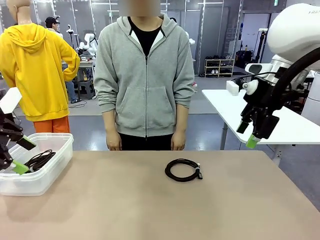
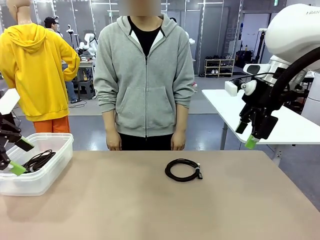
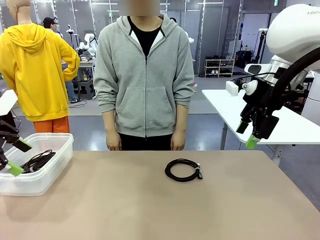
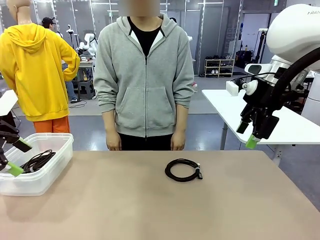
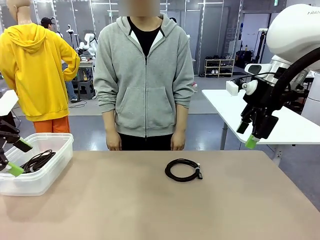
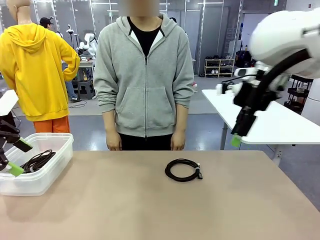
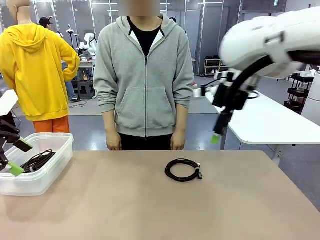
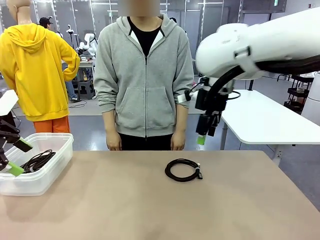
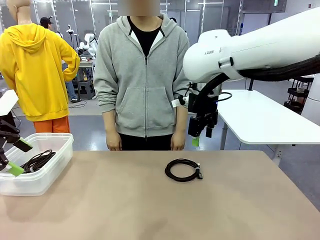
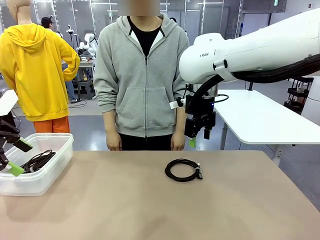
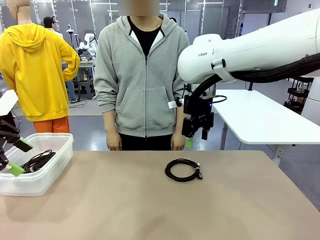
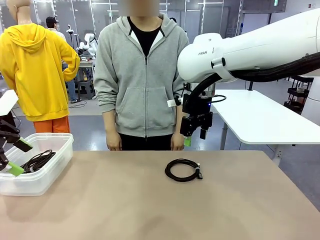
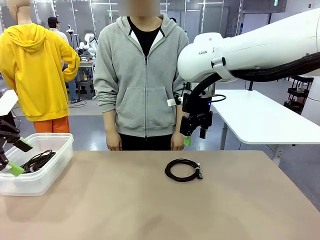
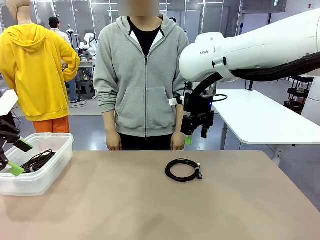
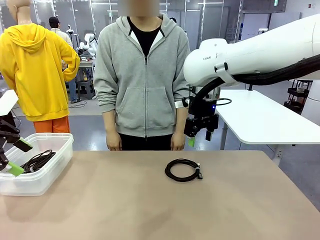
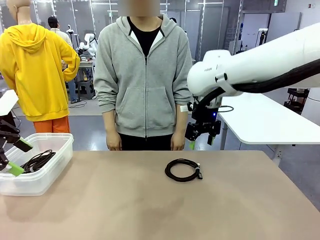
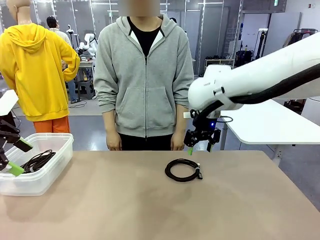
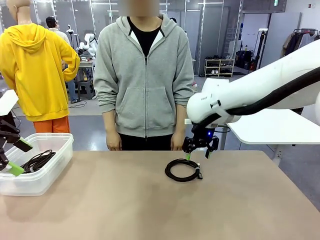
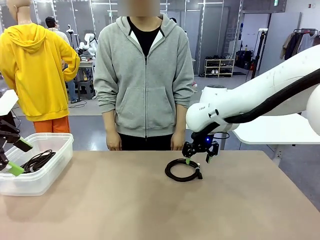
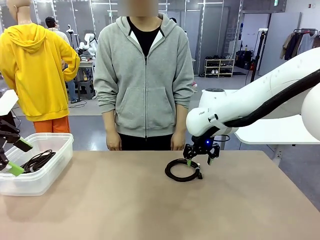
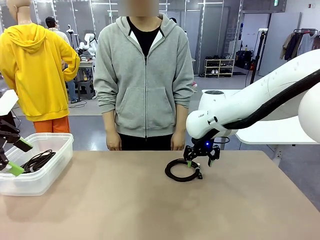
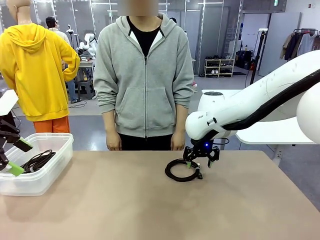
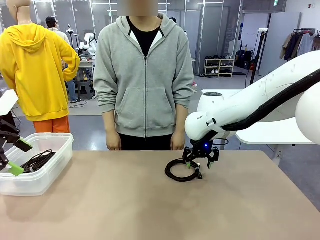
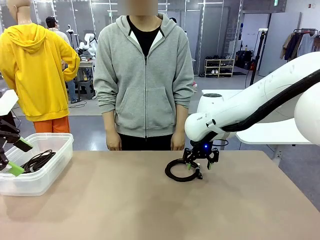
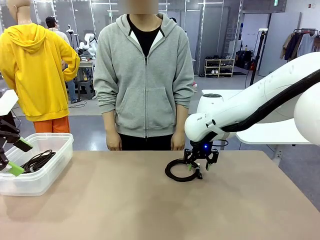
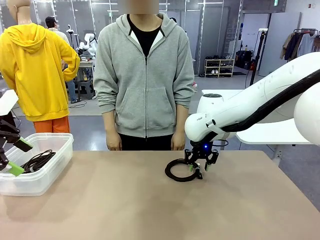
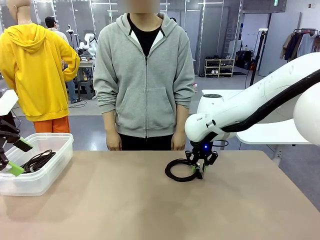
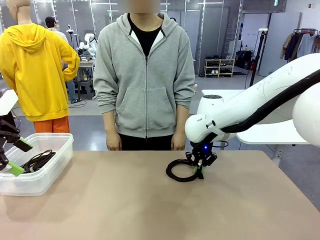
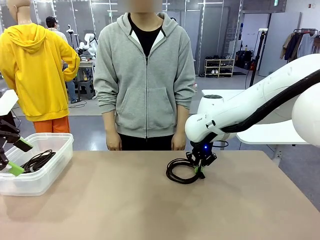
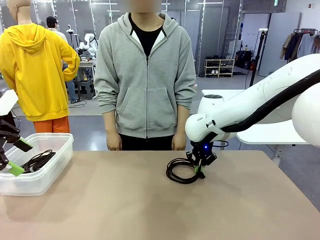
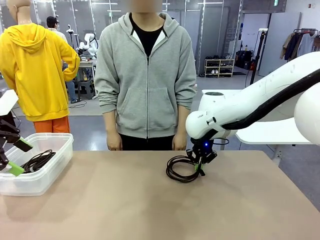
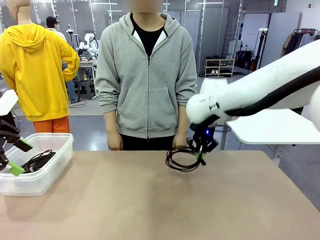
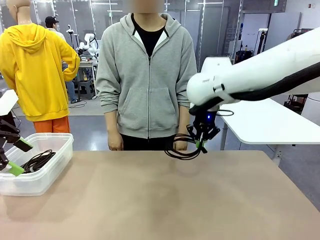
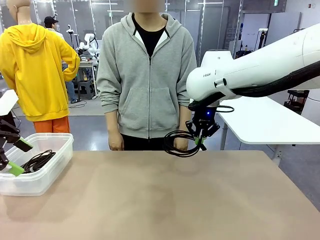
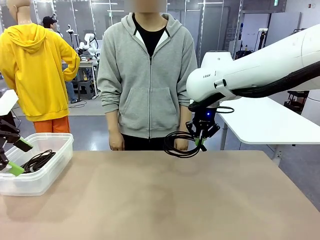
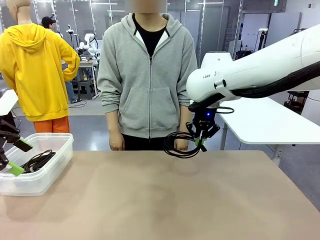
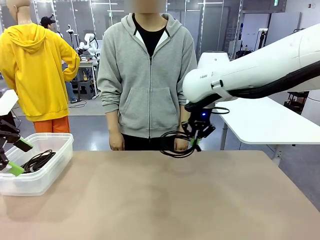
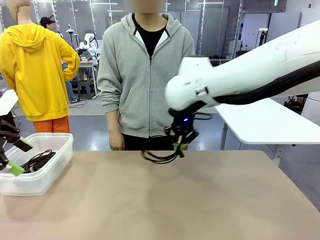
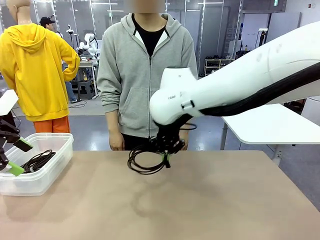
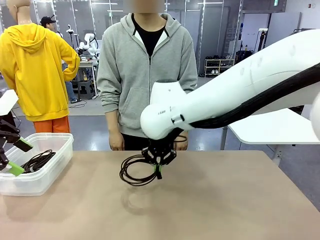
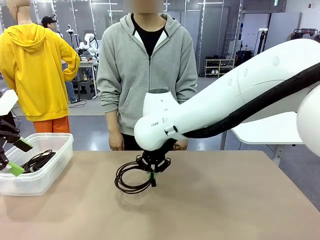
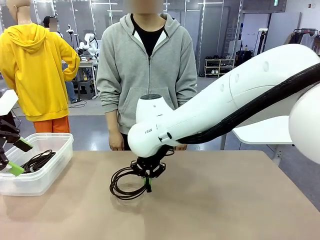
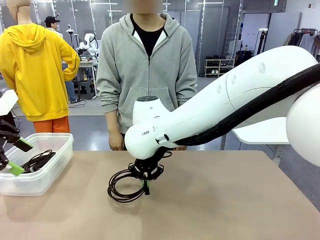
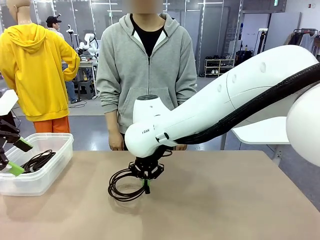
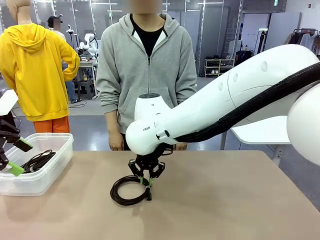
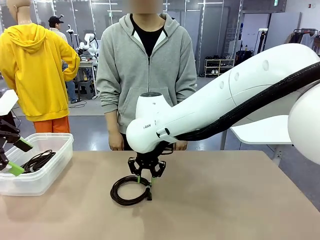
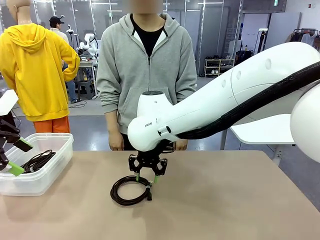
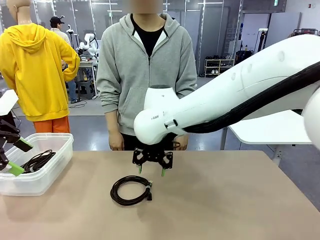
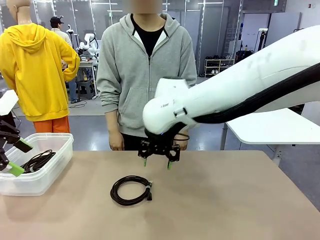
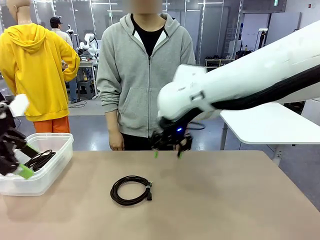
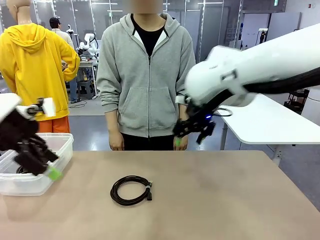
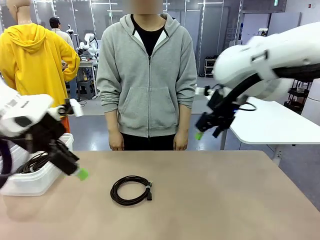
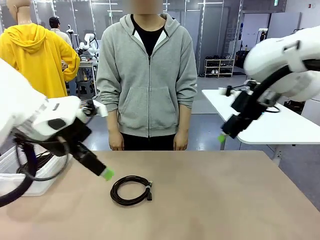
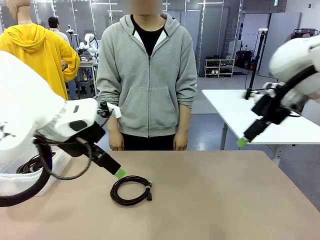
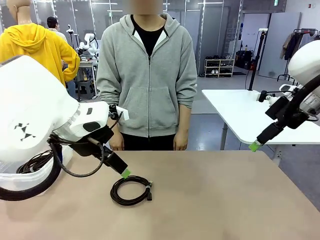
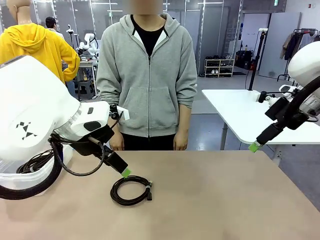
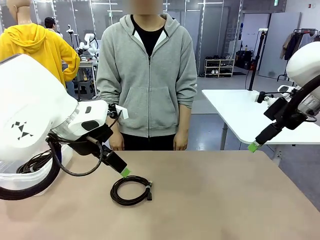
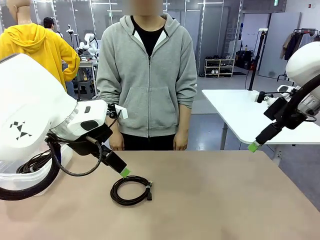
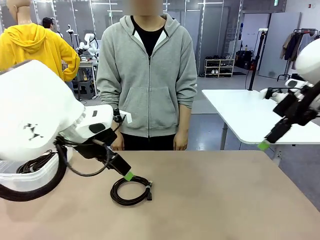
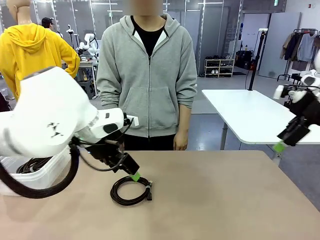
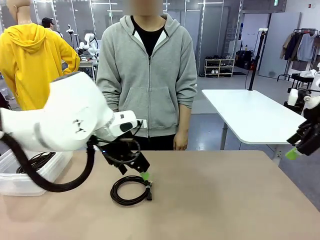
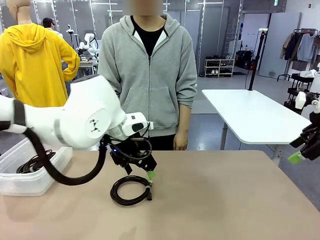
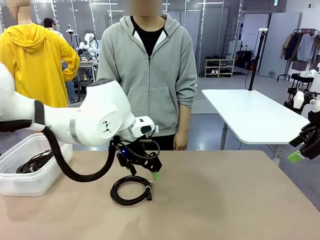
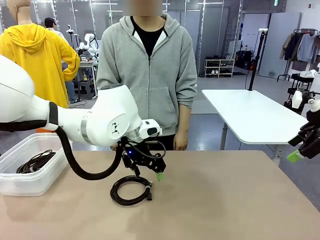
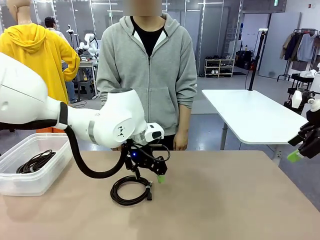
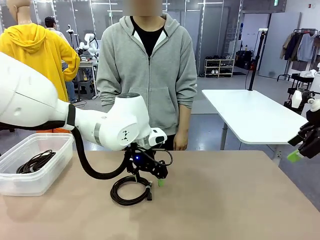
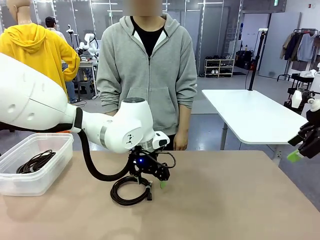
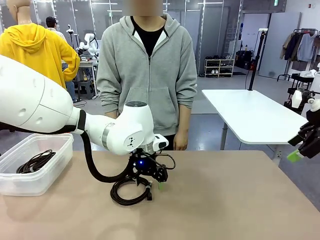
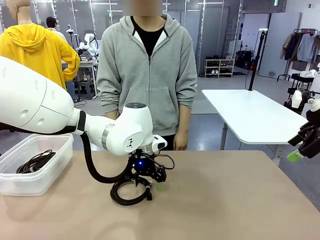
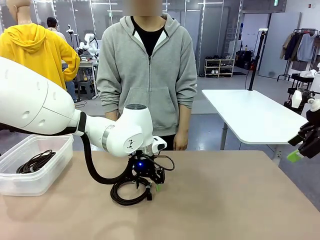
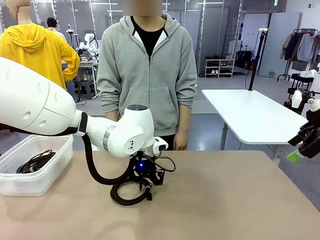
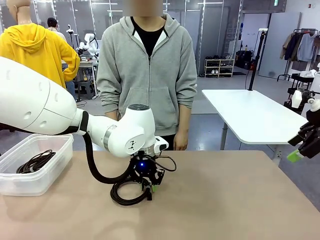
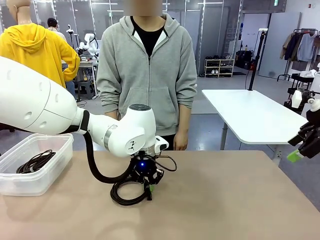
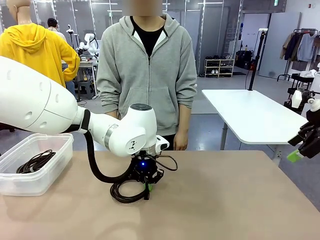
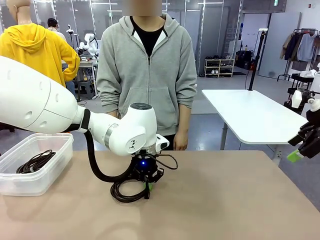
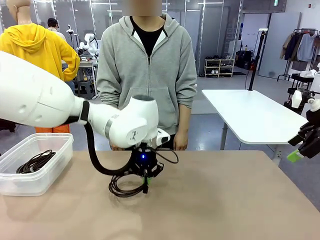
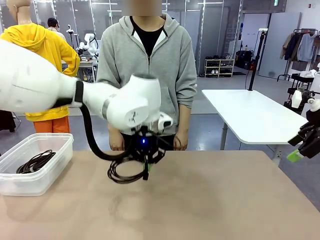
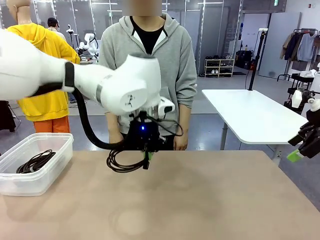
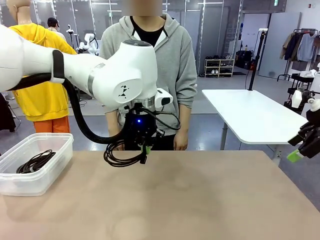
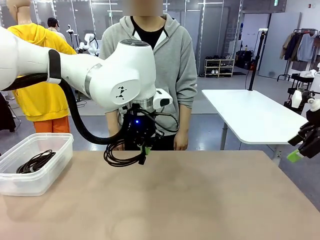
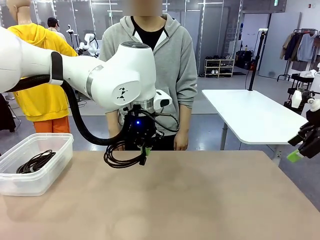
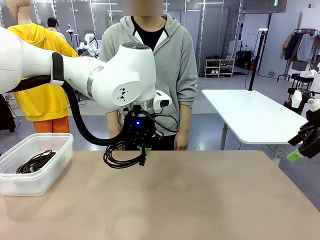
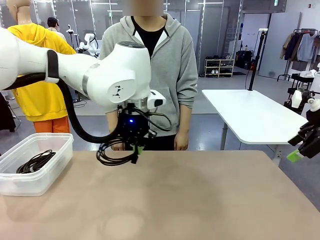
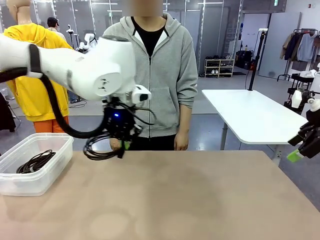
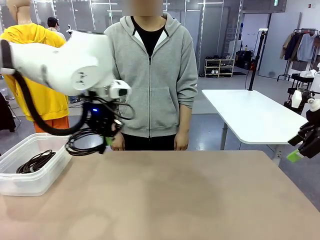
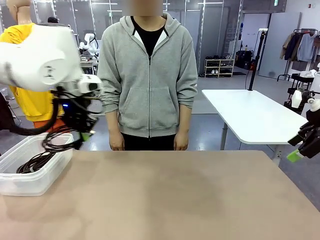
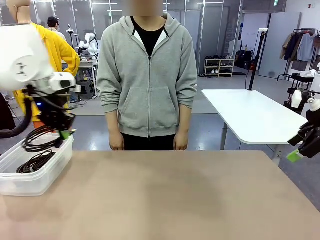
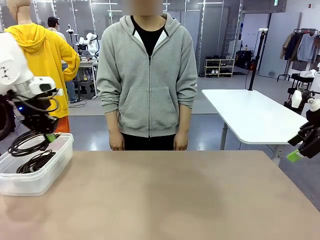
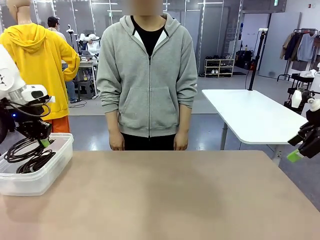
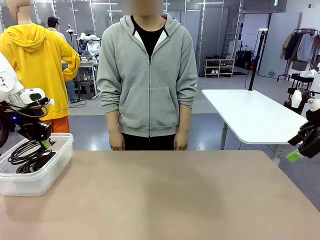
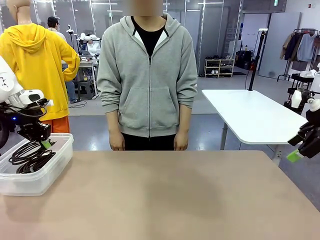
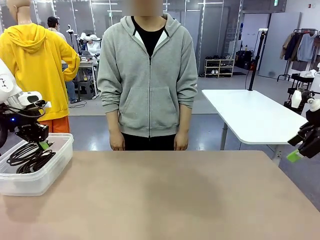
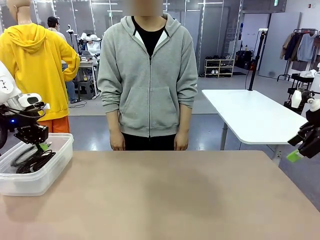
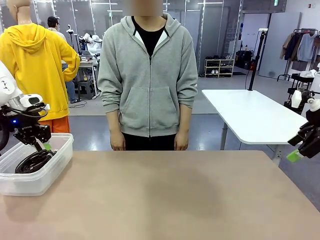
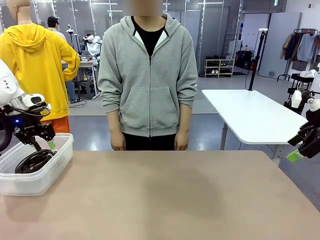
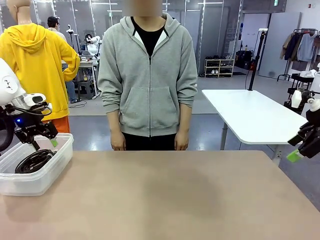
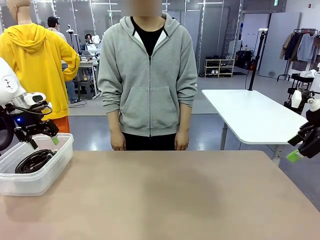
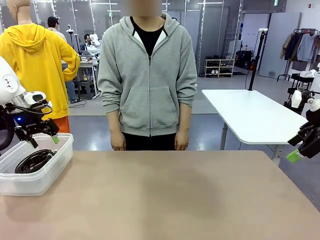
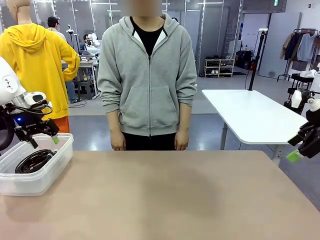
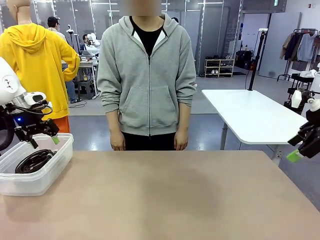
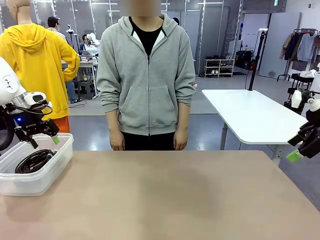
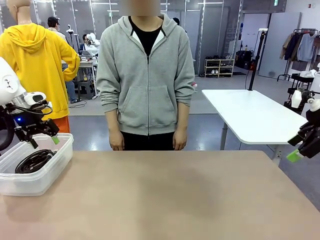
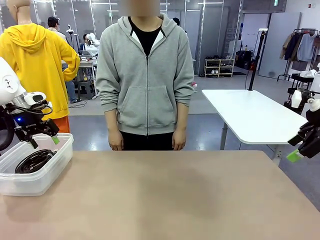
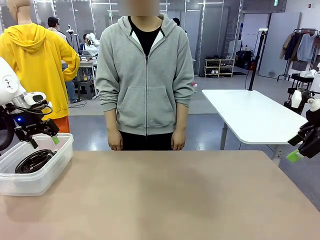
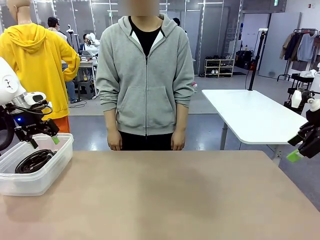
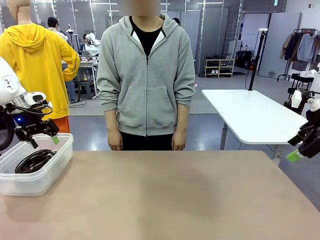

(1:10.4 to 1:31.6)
Task: Organize and store the cables.
Robot: Place the USB Extension Cable into the Organizing box.
